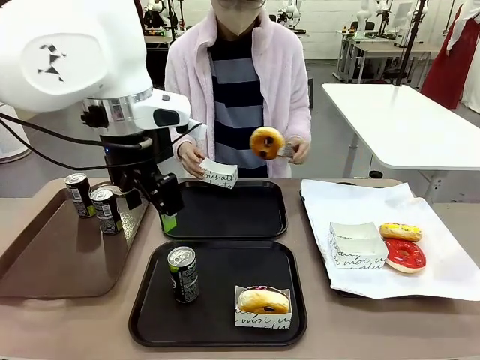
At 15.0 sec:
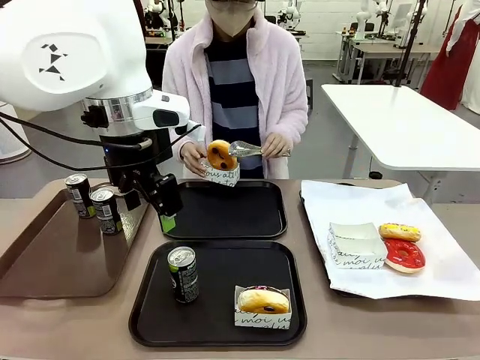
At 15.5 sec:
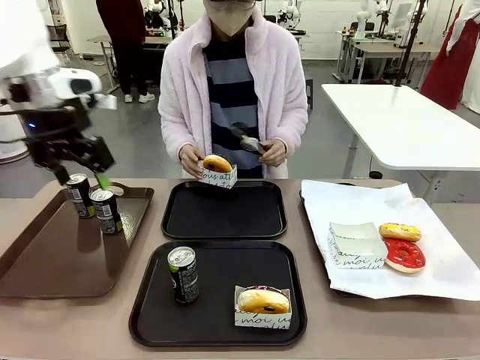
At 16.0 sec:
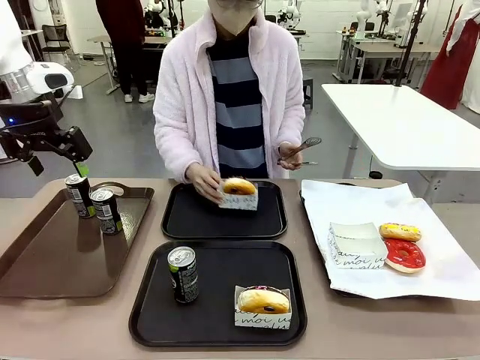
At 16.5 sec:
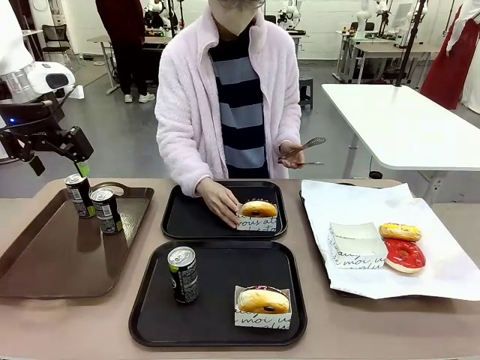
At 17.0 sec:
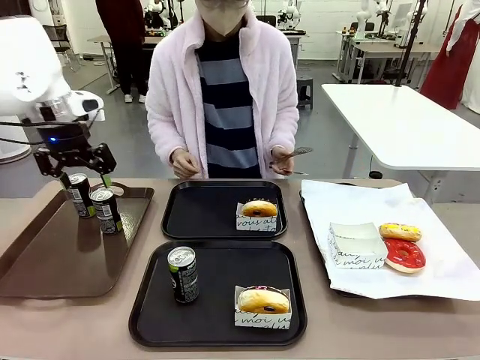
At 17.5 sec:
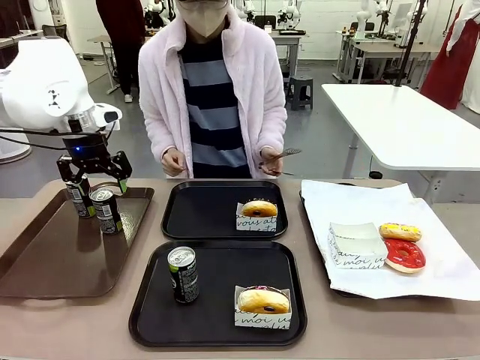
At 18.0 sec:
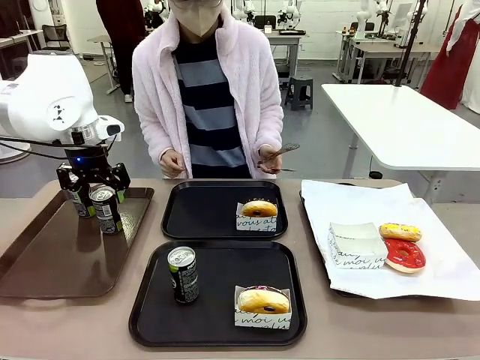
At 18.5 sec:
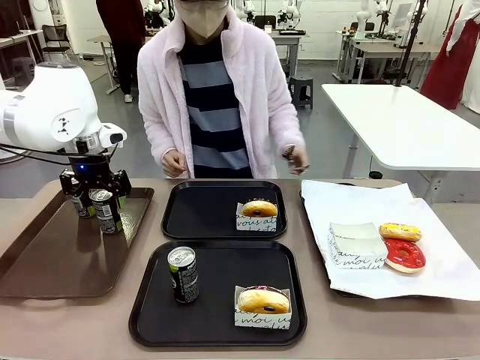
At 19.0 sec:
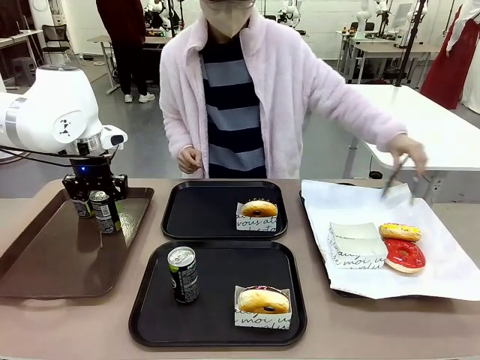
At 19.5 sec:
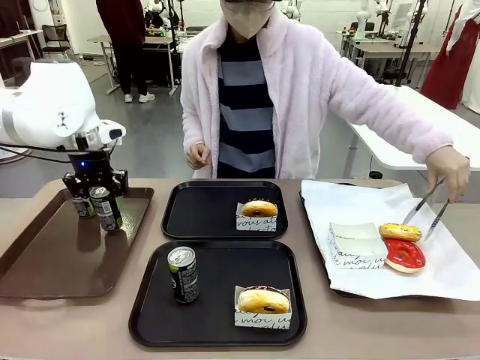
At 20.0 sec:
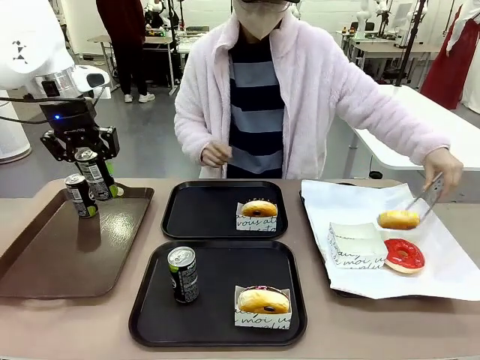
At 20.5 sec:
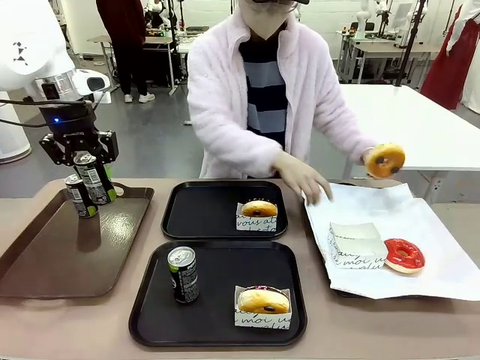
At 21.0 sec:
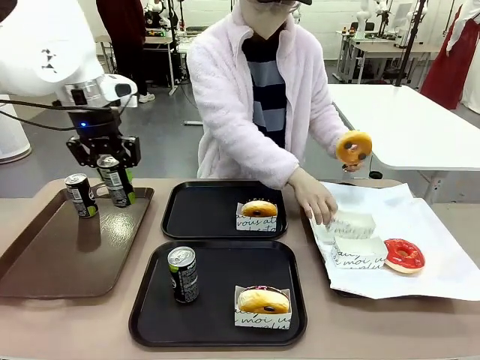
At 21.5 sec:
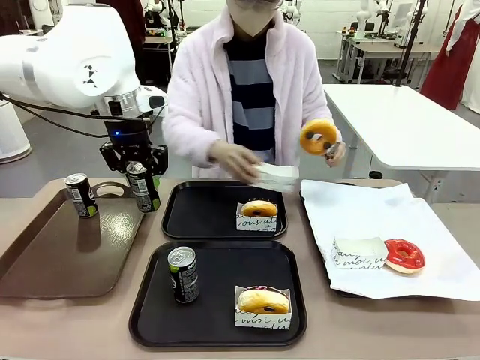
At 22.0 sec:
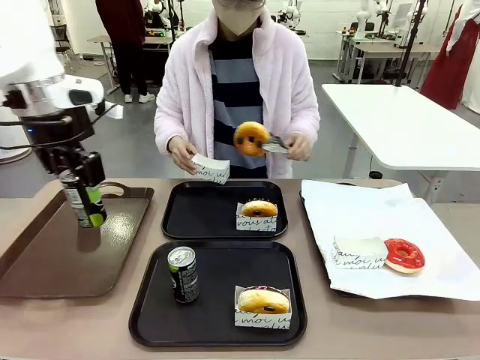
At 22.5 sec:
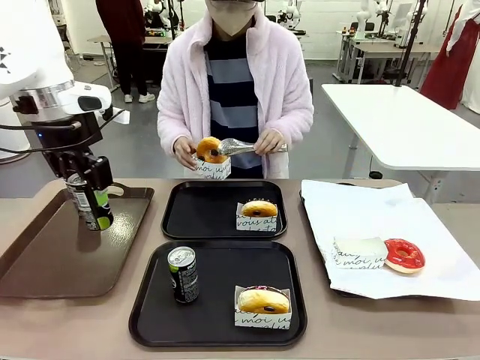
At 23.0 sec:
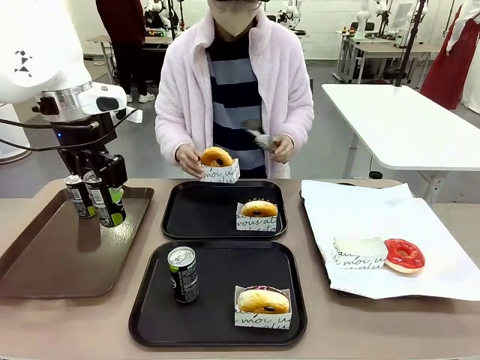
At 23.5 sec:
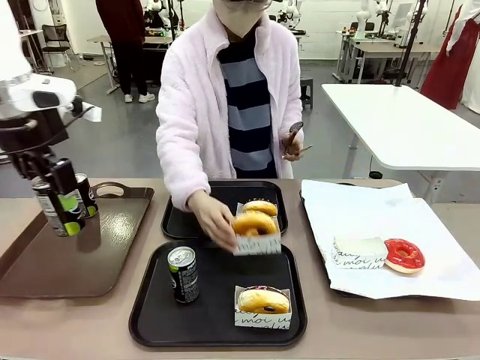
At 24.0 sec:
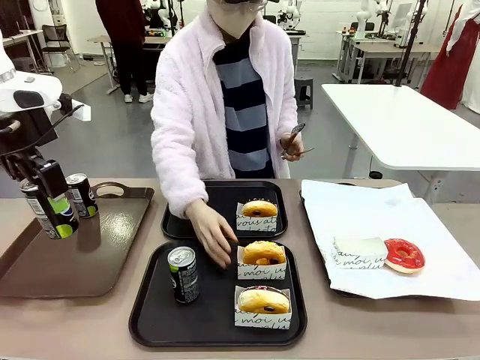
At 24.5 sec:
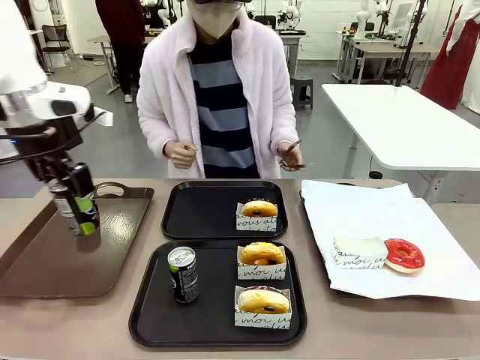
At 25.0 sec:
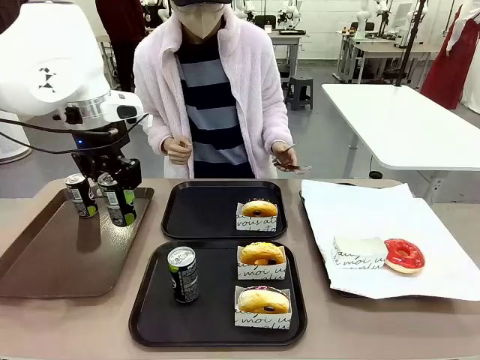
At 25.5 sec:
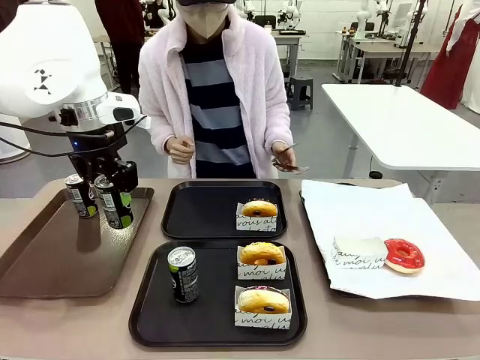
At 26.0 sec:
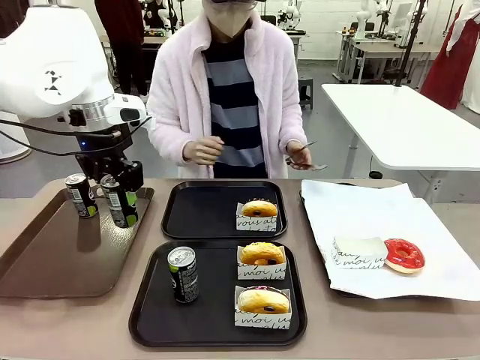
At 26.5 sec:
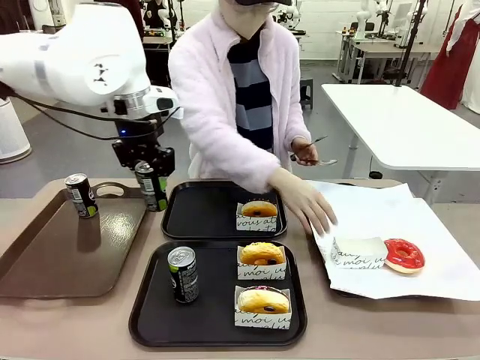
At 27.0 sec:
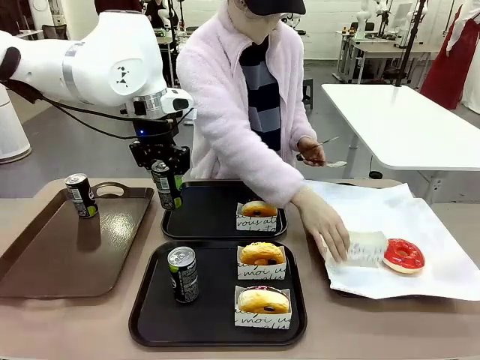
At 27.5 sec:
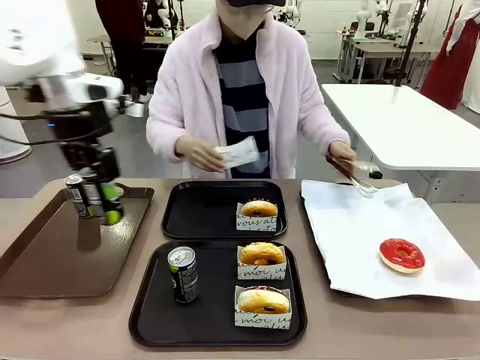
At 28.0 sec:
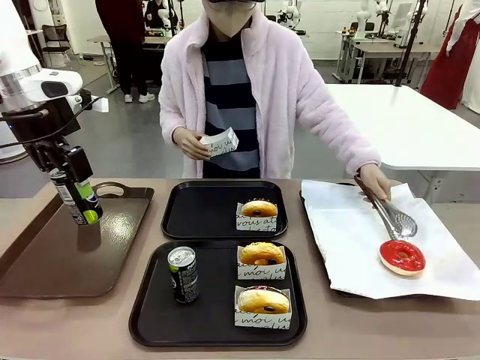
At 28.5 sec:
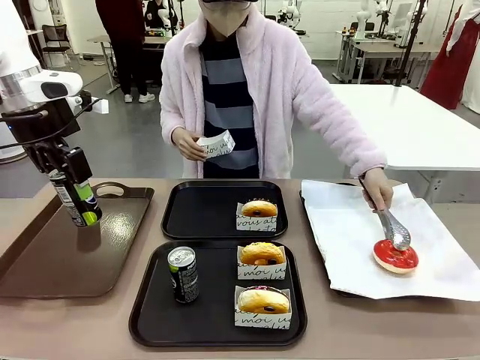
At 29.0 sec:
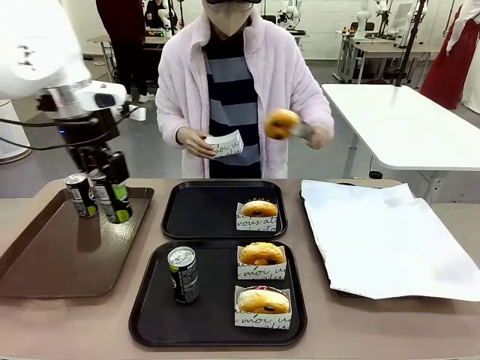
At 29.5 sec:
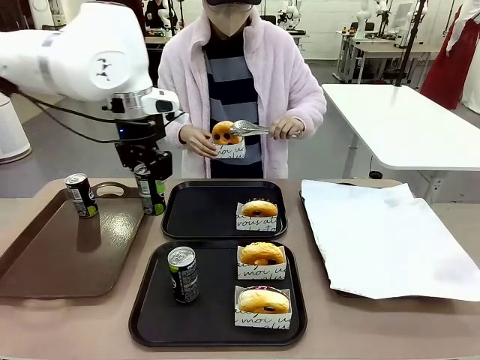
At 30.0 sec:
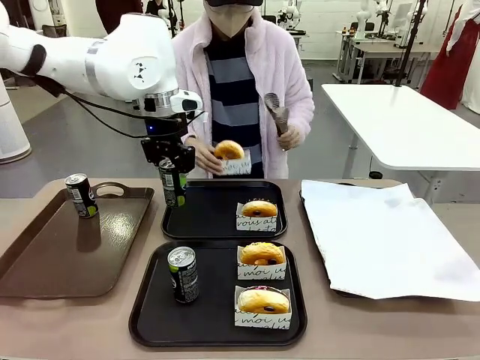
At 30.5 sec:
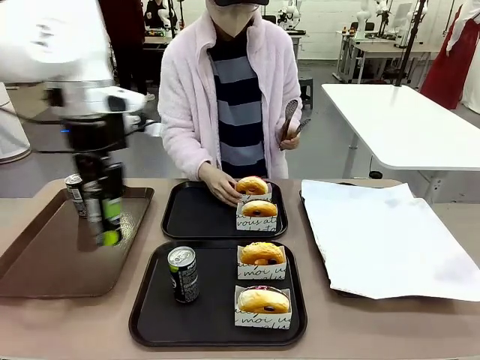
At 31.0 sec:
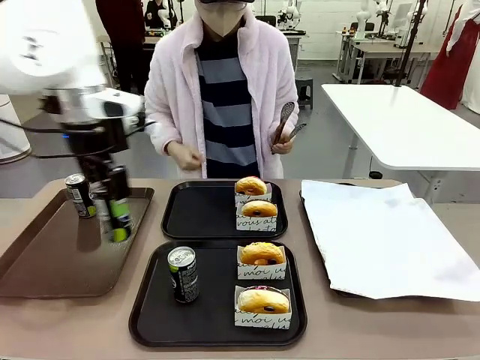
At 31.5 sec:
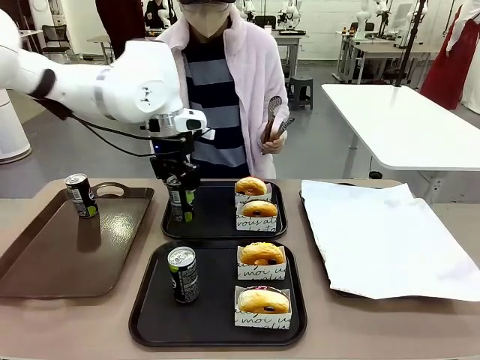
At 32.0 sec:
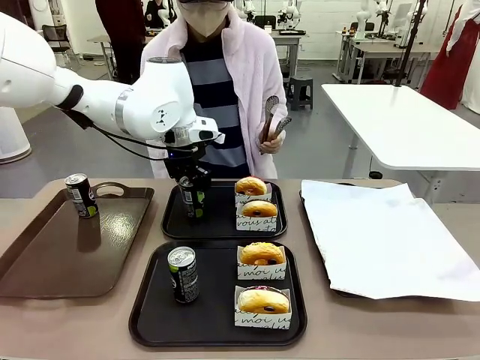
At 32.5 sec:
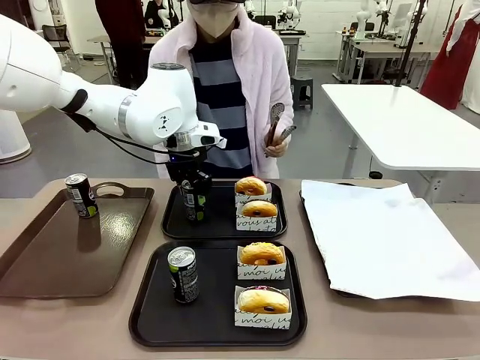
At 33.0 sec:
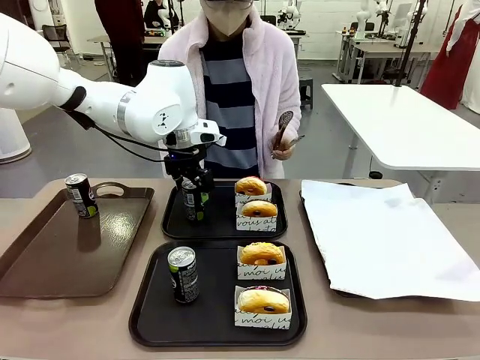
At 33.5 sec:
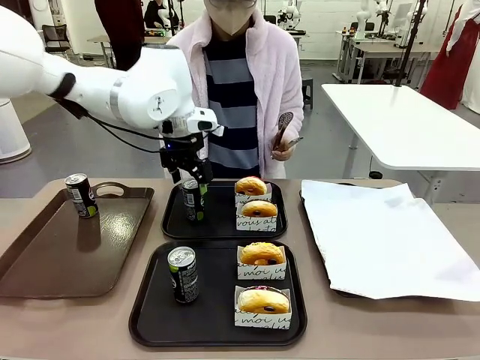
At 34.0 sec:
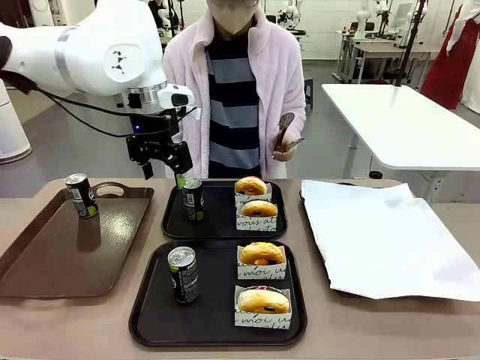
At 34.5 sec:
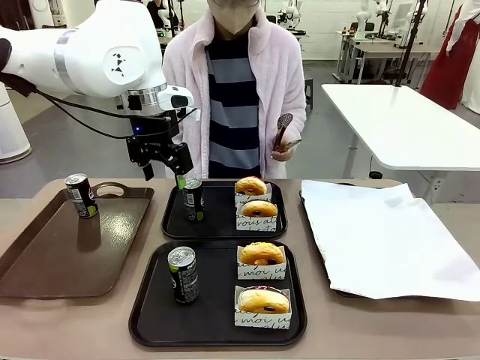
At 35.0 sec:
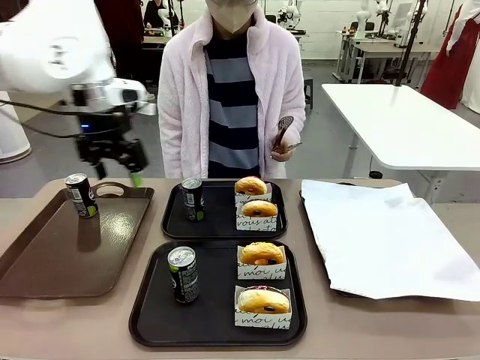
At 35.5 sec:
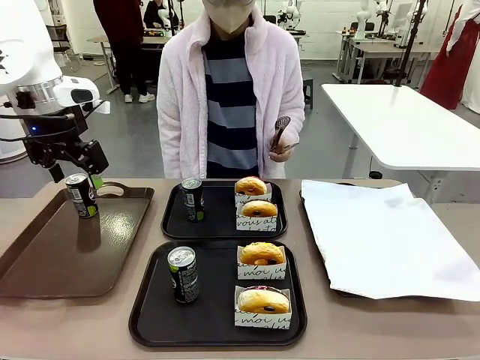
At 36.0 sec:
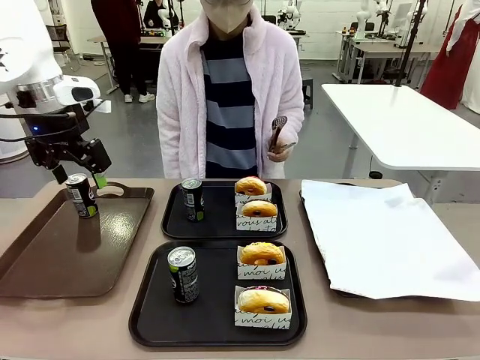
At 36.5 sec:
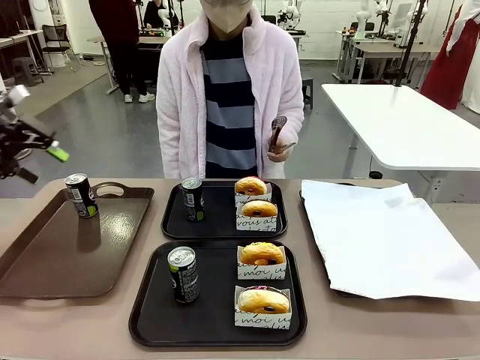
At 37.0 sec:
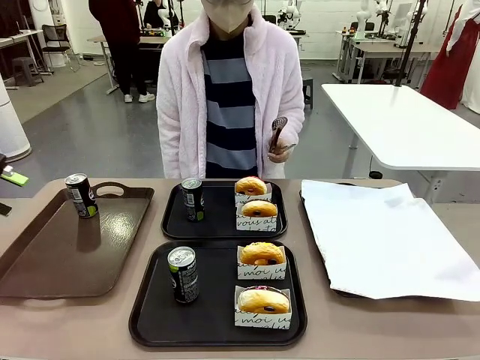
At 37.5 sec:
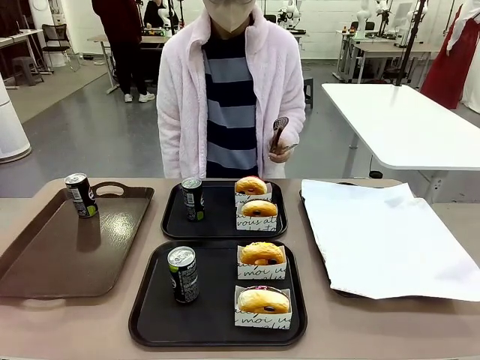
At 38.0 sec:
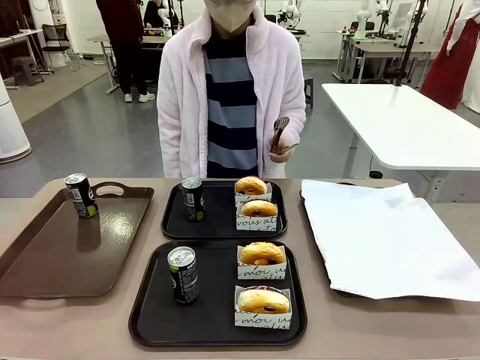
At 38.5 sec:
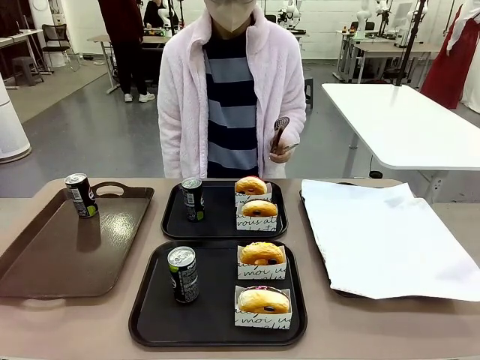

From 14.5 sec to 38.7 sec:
Task: Set up donuts and drinks on trays.
Robot: Pick up one Pepsi coke from the Handle tray and place it on the Flat Tray without a Pepsi coke.
Person: Pick up one donut with tongs, place it in the donut tray, and then place the donut tray on the flat tray.
